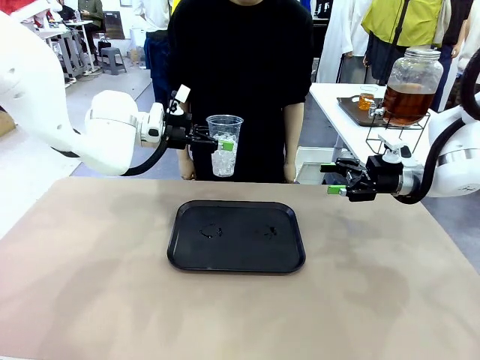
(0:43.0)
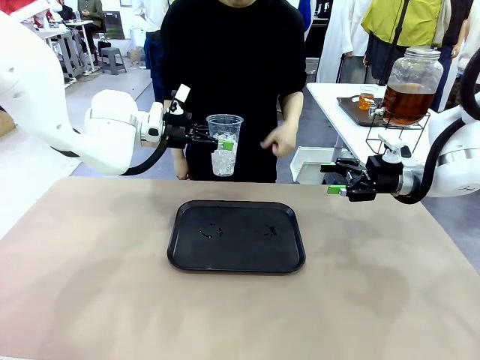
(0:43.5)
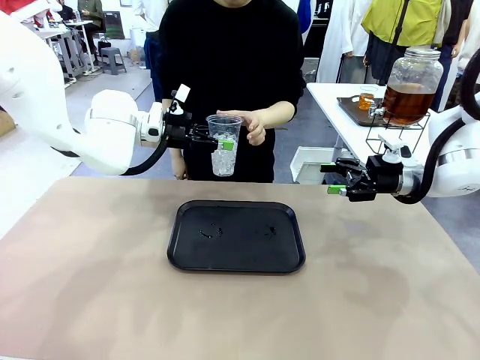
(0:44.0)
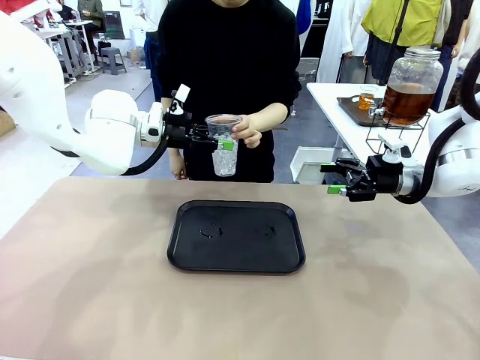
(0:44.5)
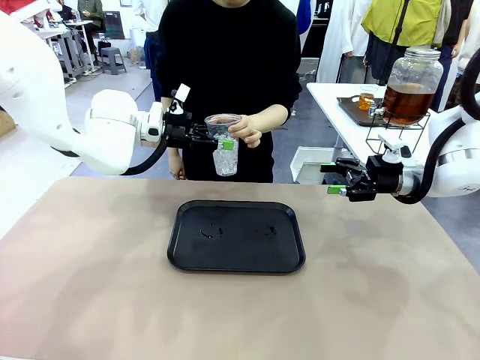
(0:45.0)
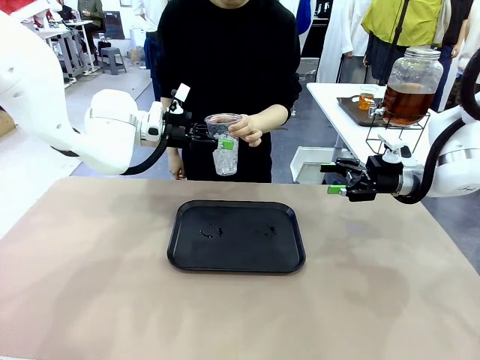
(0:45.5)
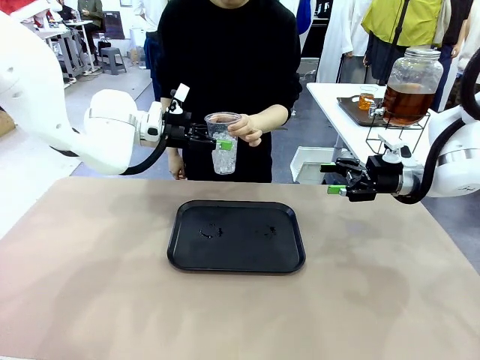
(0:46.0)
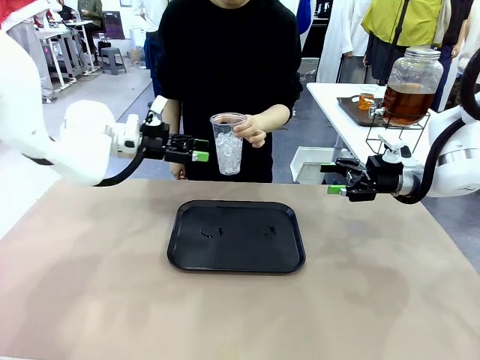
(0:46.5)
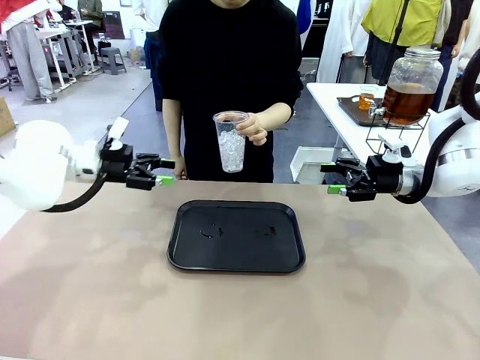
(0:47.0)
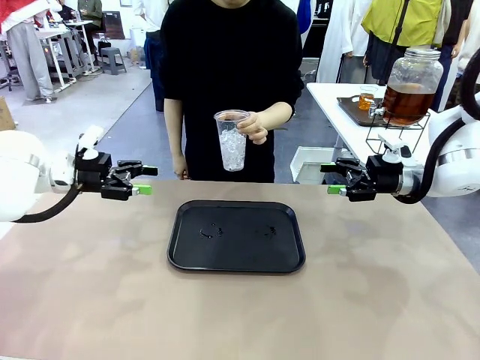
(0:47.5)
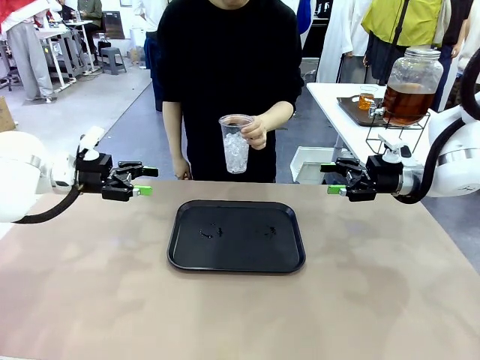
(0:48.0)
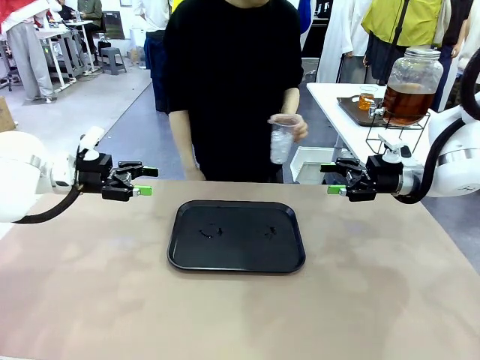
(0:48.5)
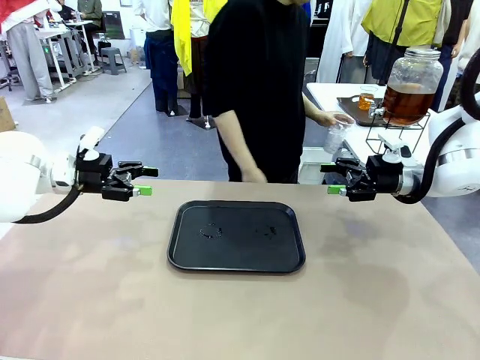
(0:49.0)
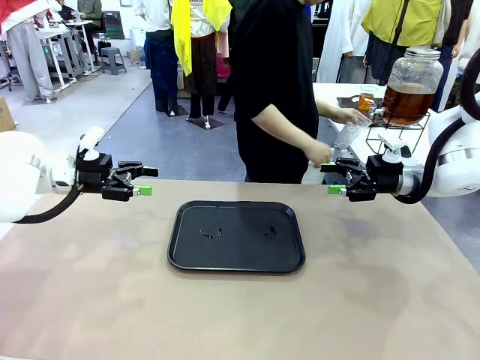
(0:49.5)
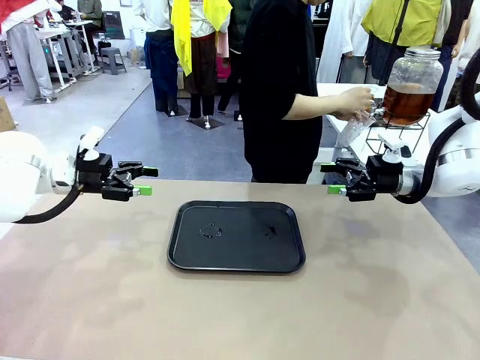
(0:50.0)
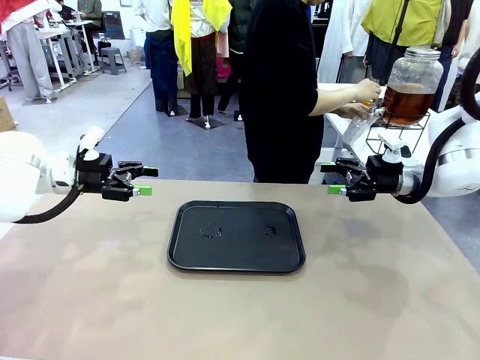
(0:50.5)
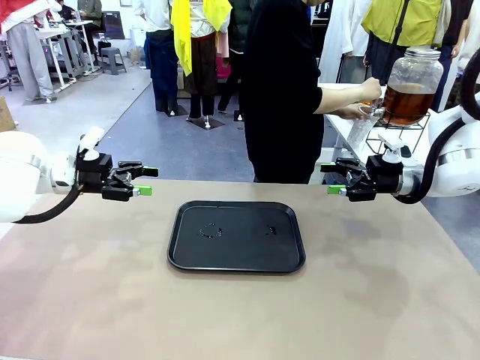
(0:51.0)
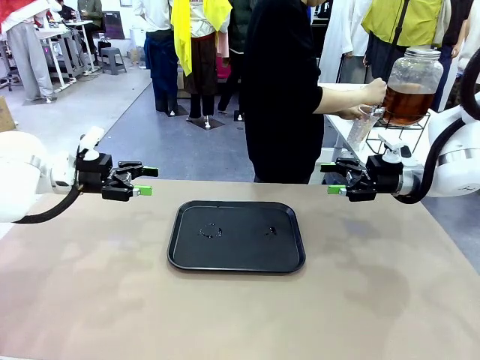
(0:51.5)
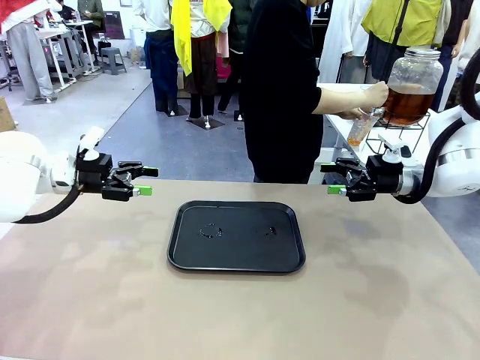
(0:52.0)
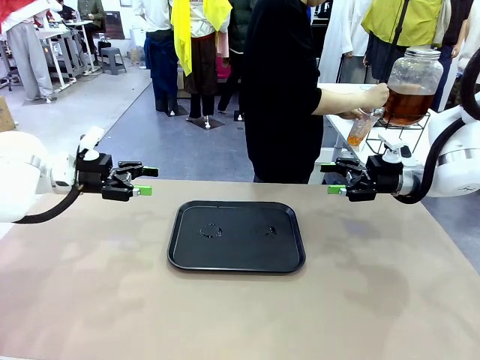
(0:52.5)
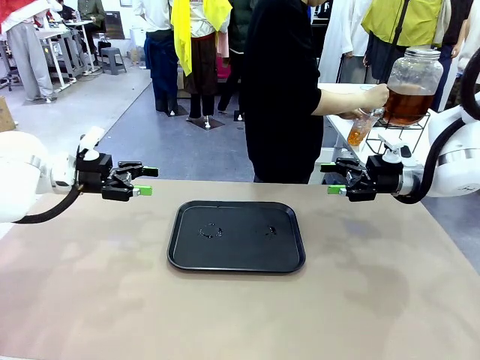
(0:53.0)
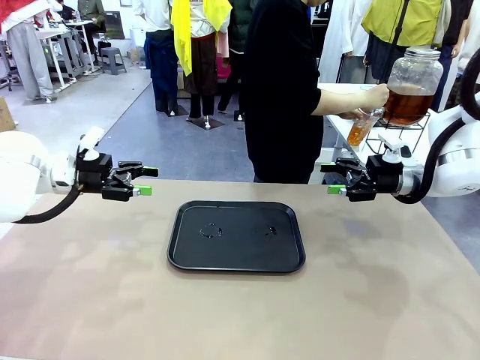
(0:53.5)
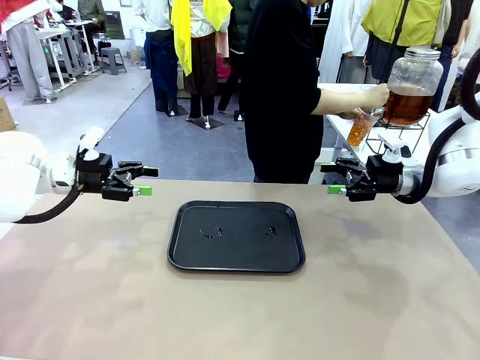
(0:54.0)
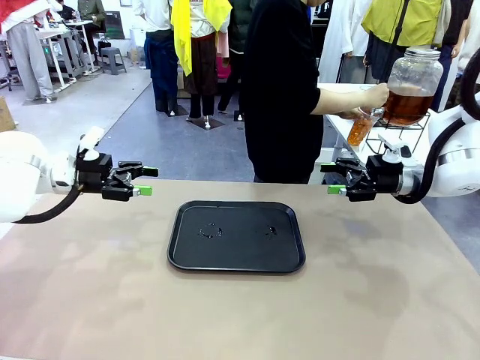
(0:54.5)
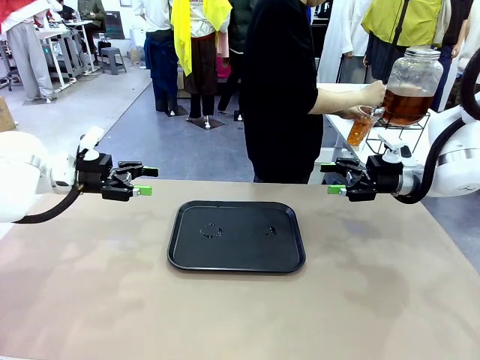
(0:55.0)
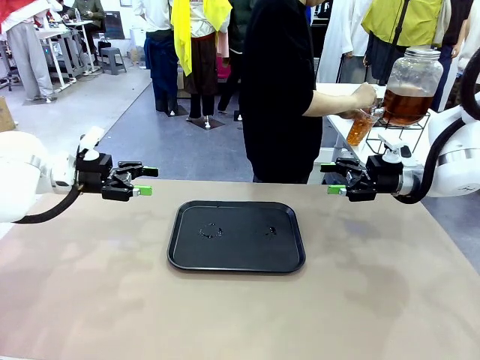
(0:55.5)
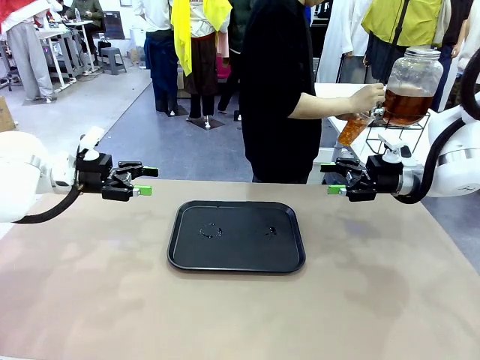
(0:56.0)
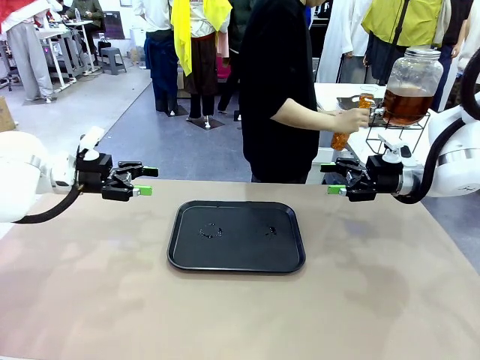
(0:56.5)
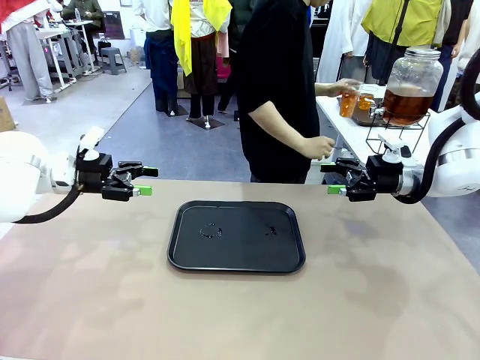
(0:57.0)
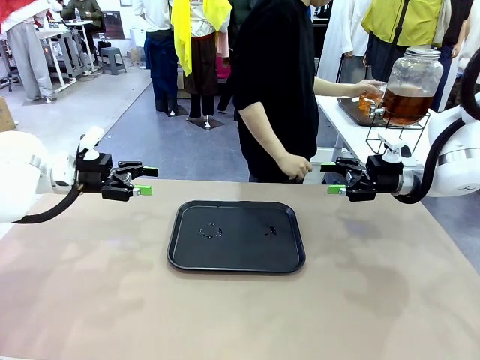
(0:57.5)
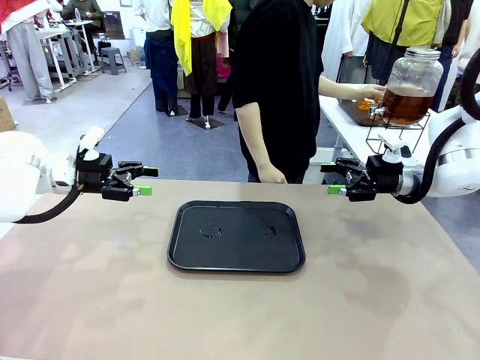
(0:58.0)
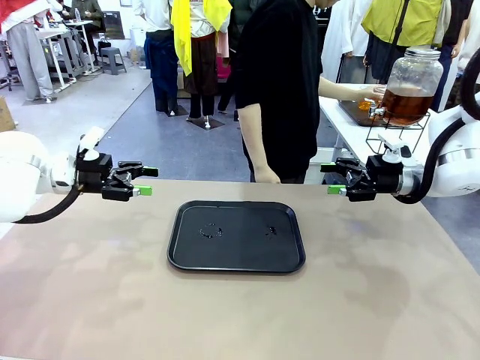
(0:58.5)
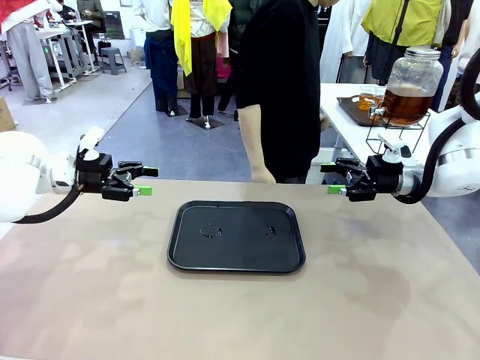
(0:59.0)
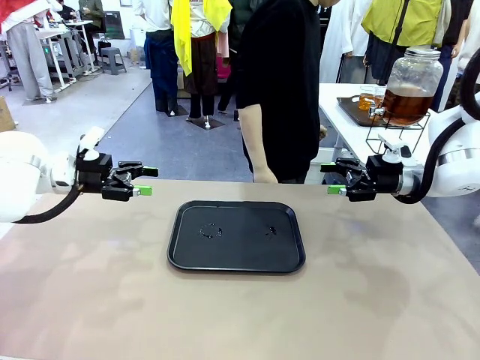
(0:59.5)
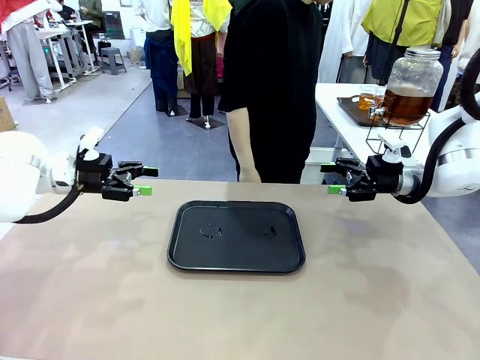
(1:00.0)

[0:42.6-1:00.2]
Task: Pour the drink into the iced cup.
Robot: Open the gripper to release the iced cup you were holding.
Person: Move the picked-up cup under the dispenser faucet, pour the drink, and place it on the tray on the human table.
